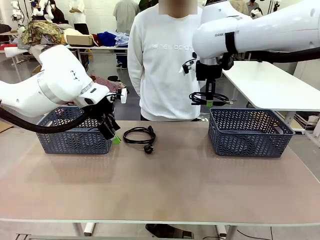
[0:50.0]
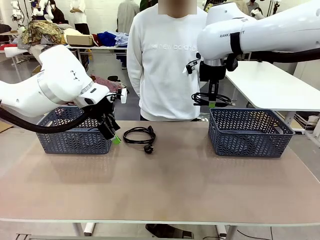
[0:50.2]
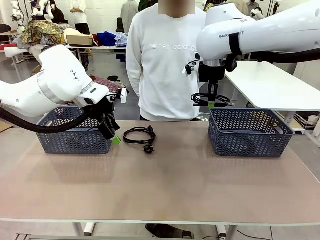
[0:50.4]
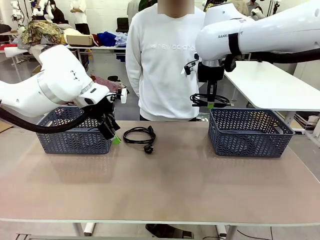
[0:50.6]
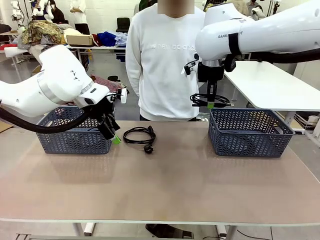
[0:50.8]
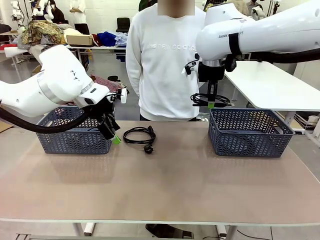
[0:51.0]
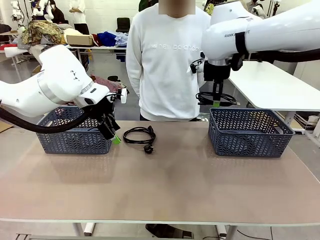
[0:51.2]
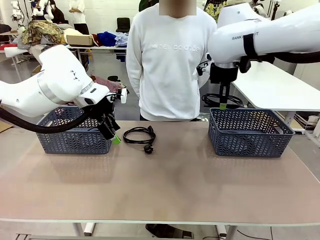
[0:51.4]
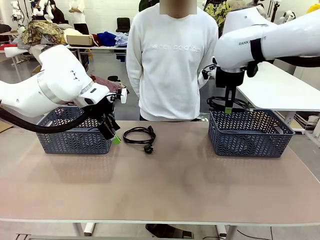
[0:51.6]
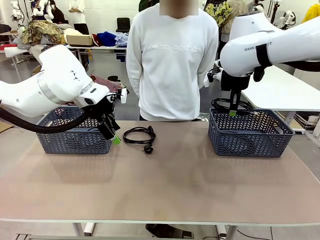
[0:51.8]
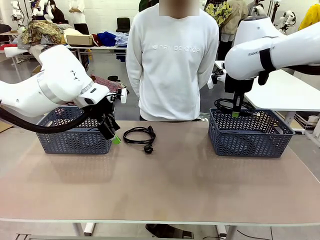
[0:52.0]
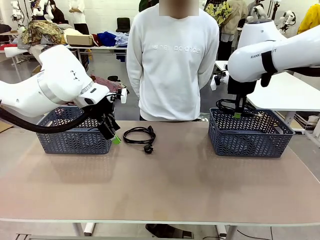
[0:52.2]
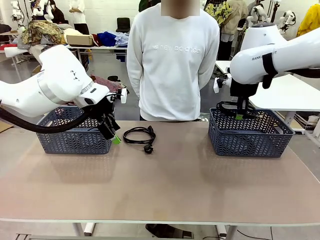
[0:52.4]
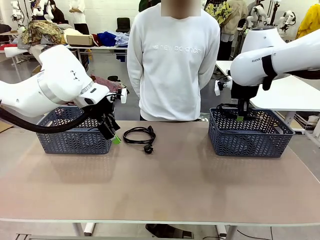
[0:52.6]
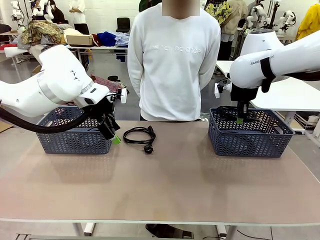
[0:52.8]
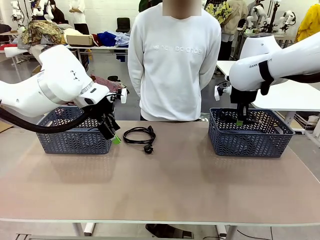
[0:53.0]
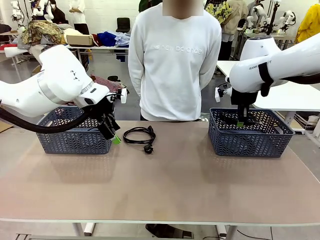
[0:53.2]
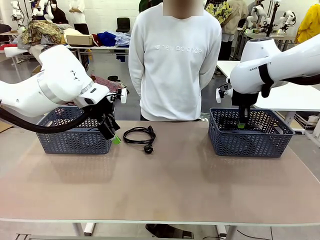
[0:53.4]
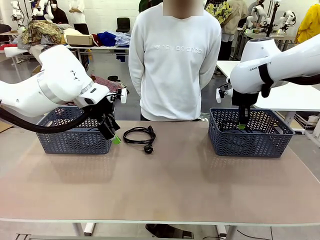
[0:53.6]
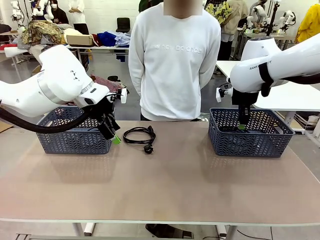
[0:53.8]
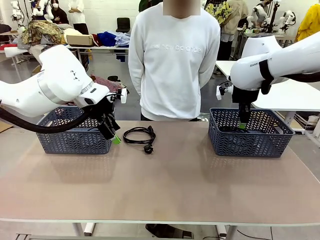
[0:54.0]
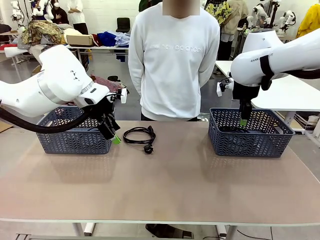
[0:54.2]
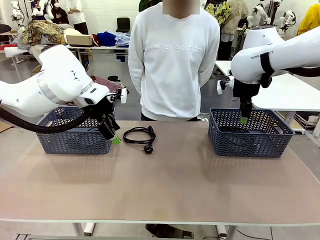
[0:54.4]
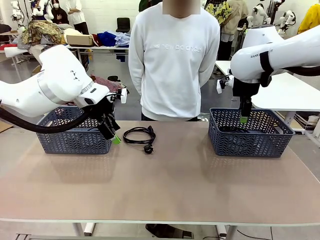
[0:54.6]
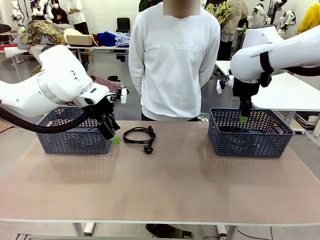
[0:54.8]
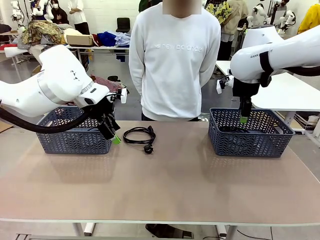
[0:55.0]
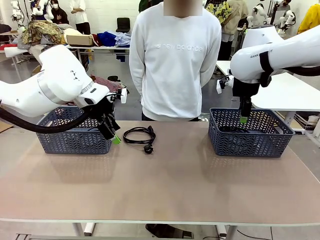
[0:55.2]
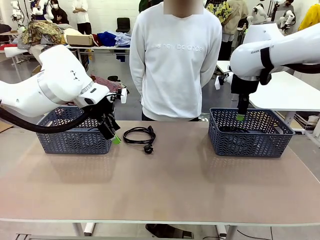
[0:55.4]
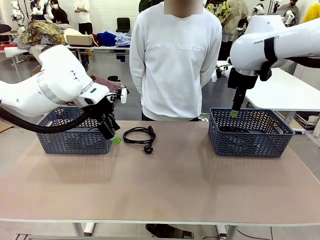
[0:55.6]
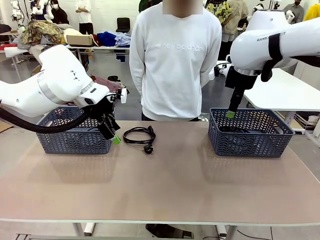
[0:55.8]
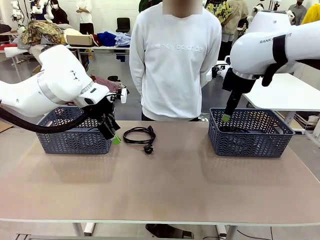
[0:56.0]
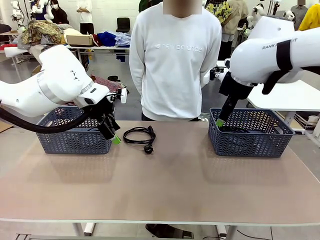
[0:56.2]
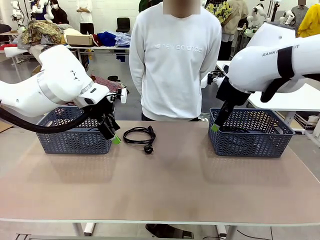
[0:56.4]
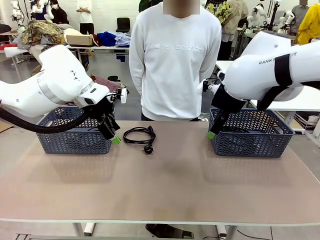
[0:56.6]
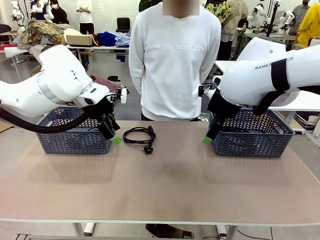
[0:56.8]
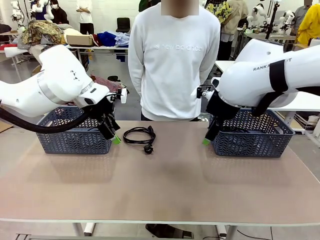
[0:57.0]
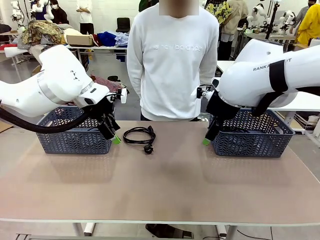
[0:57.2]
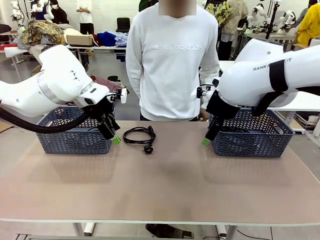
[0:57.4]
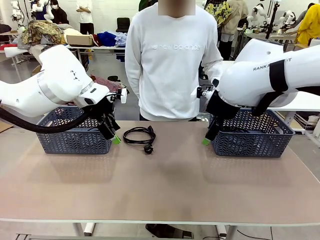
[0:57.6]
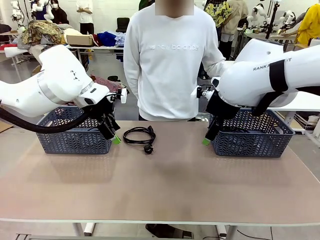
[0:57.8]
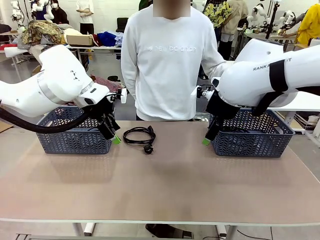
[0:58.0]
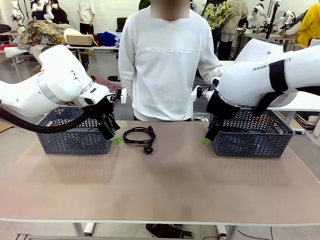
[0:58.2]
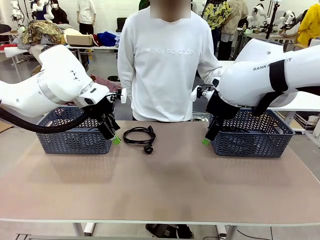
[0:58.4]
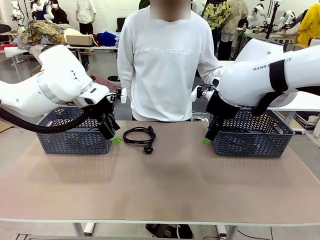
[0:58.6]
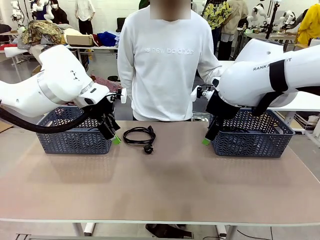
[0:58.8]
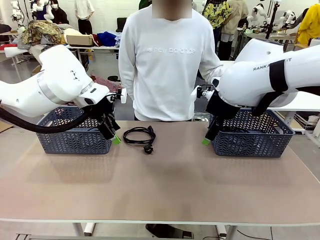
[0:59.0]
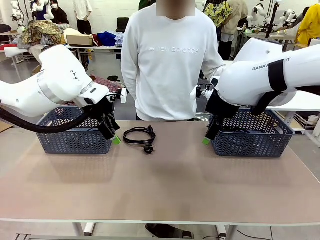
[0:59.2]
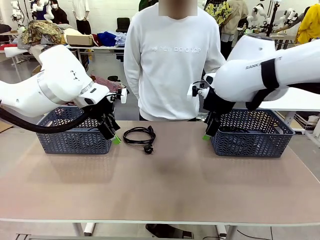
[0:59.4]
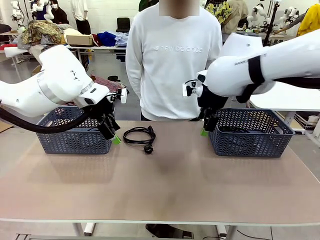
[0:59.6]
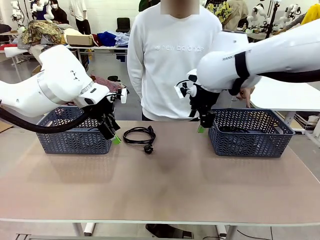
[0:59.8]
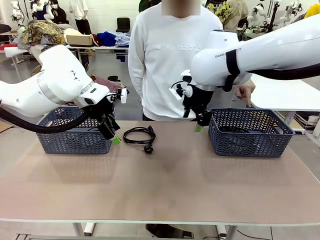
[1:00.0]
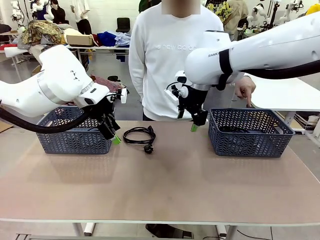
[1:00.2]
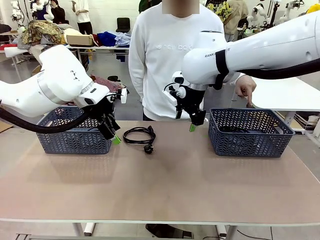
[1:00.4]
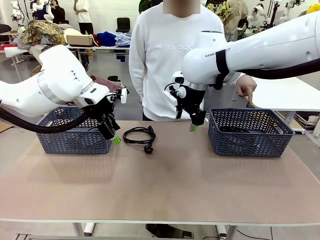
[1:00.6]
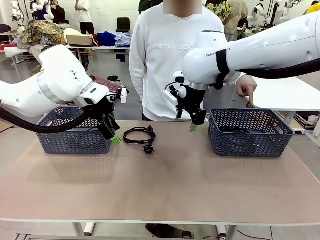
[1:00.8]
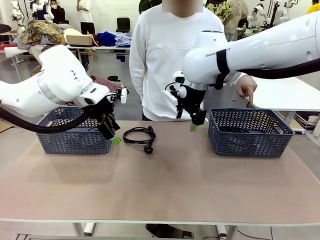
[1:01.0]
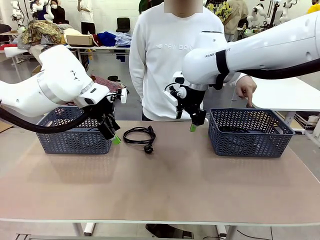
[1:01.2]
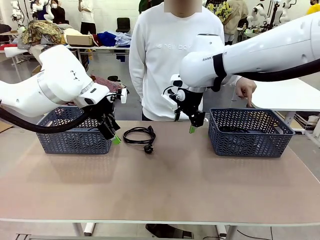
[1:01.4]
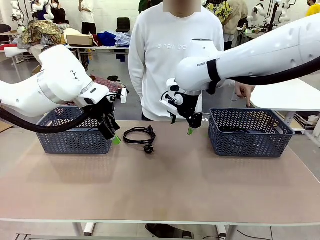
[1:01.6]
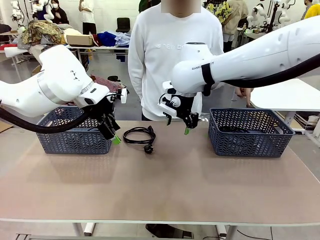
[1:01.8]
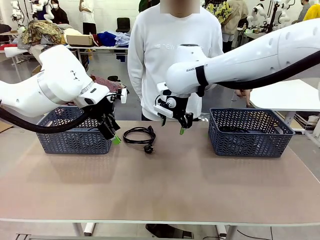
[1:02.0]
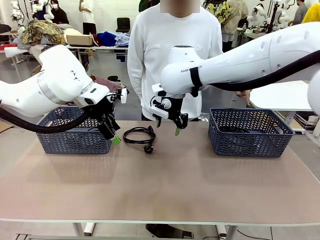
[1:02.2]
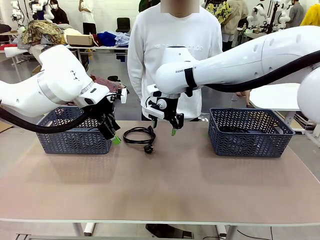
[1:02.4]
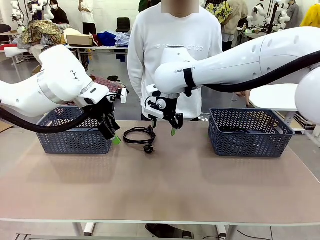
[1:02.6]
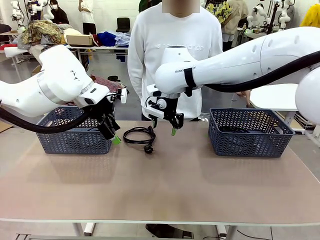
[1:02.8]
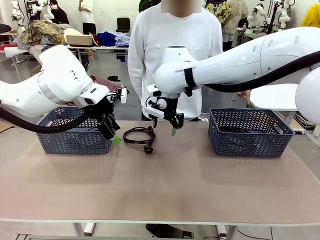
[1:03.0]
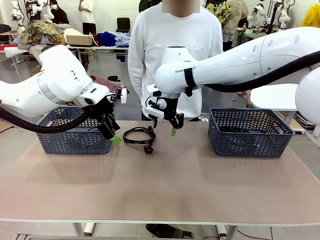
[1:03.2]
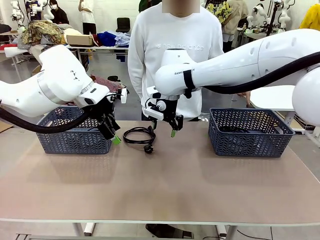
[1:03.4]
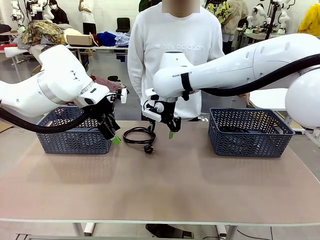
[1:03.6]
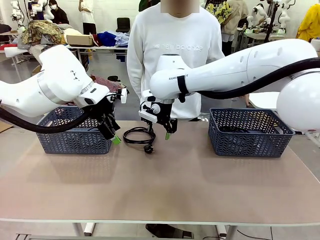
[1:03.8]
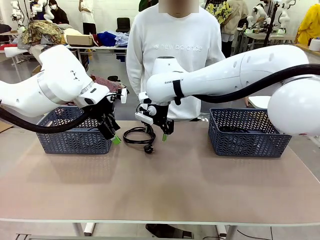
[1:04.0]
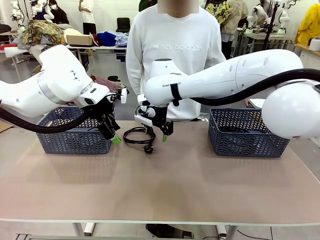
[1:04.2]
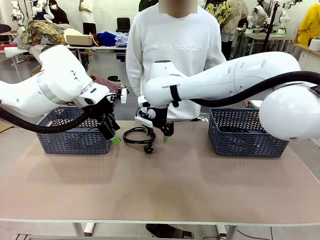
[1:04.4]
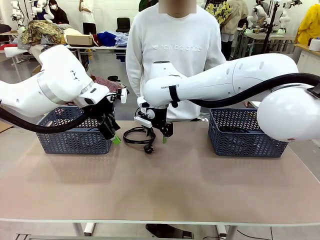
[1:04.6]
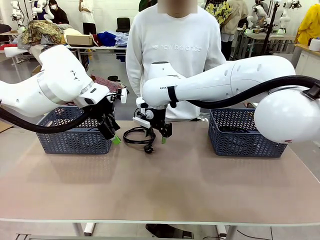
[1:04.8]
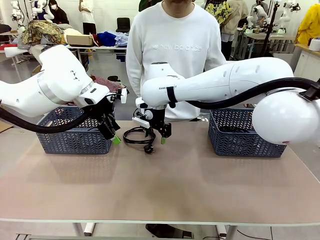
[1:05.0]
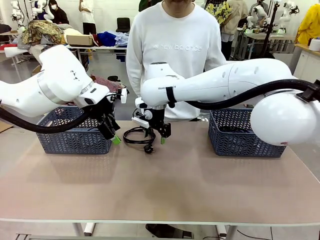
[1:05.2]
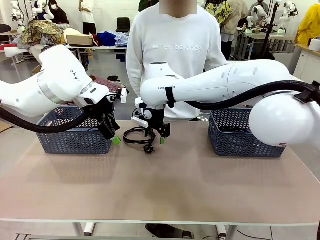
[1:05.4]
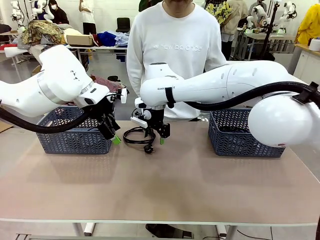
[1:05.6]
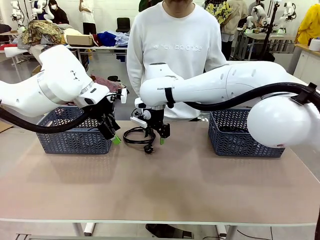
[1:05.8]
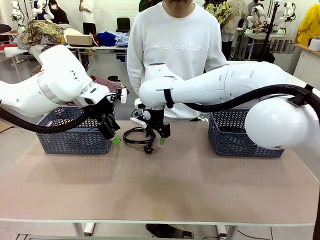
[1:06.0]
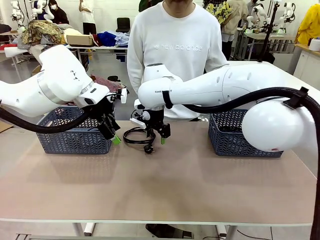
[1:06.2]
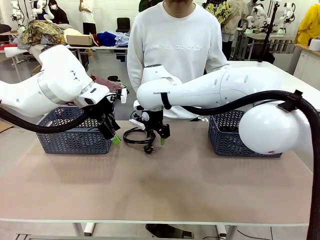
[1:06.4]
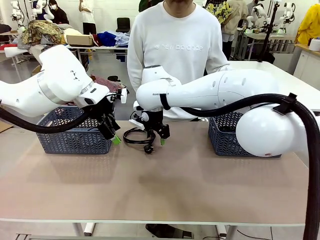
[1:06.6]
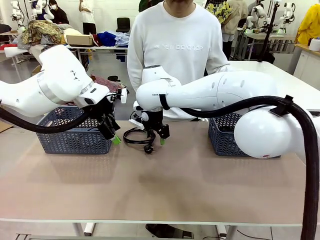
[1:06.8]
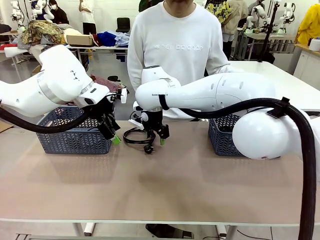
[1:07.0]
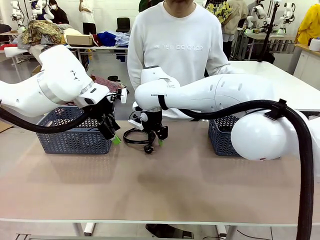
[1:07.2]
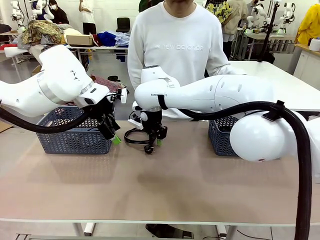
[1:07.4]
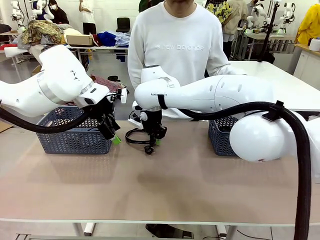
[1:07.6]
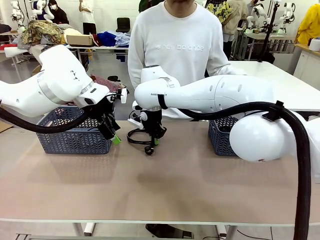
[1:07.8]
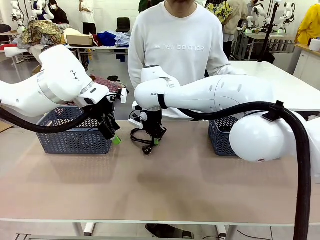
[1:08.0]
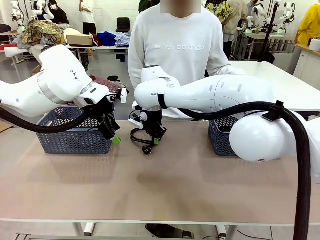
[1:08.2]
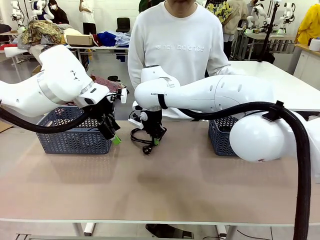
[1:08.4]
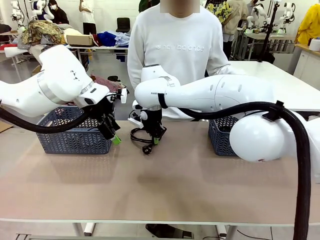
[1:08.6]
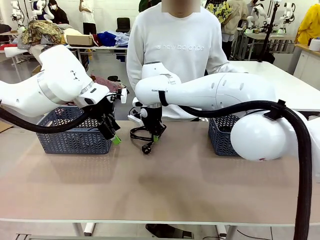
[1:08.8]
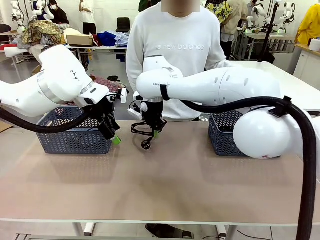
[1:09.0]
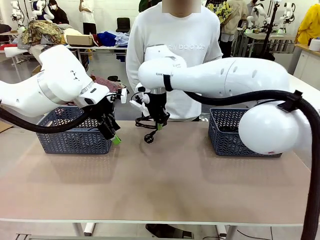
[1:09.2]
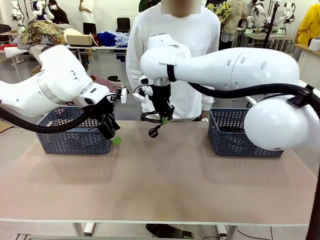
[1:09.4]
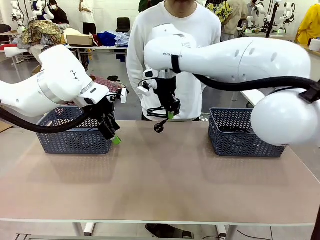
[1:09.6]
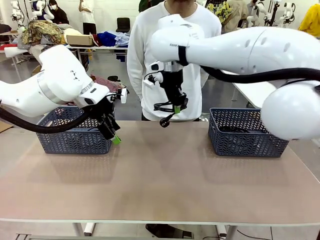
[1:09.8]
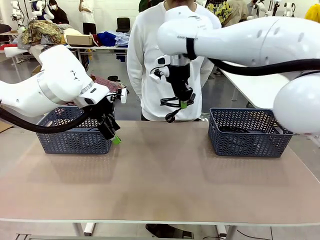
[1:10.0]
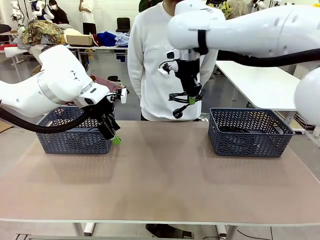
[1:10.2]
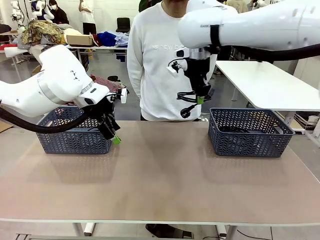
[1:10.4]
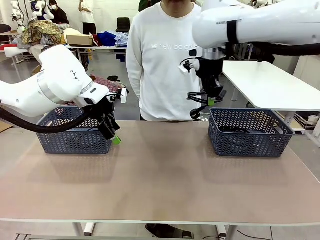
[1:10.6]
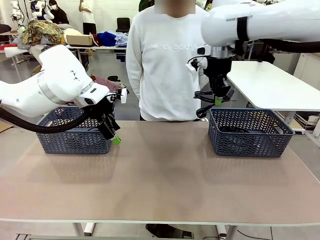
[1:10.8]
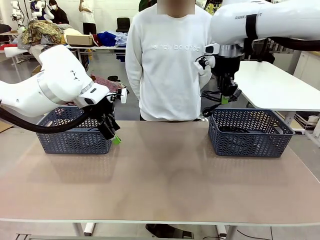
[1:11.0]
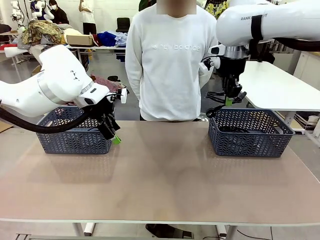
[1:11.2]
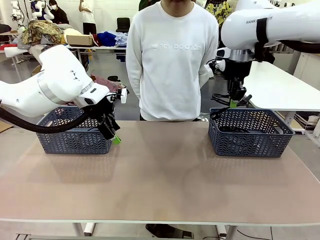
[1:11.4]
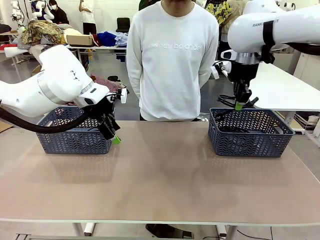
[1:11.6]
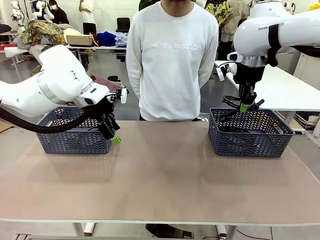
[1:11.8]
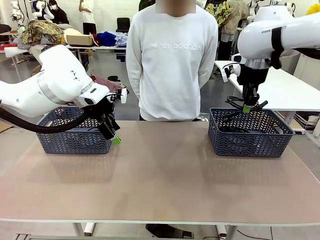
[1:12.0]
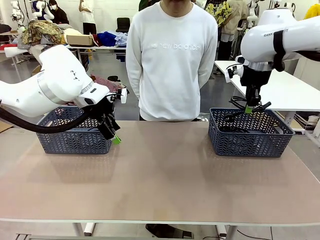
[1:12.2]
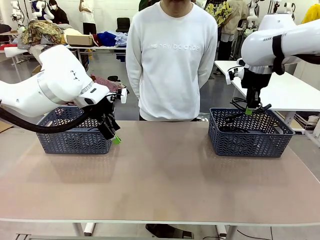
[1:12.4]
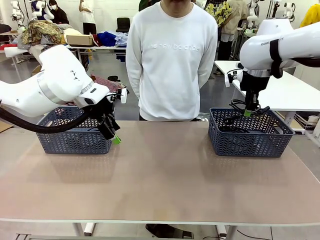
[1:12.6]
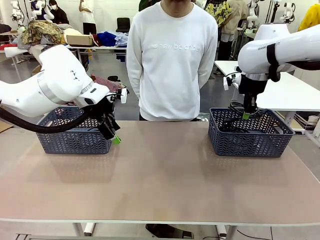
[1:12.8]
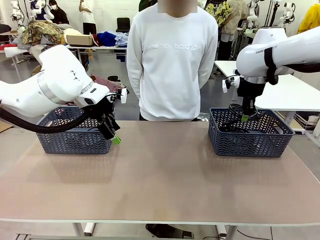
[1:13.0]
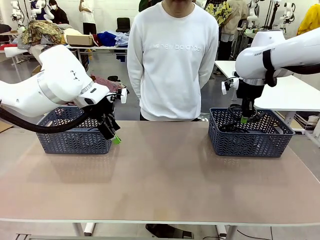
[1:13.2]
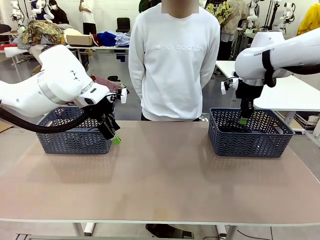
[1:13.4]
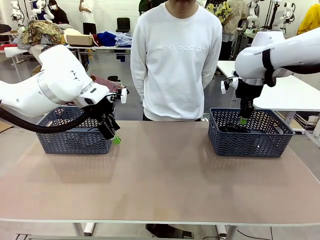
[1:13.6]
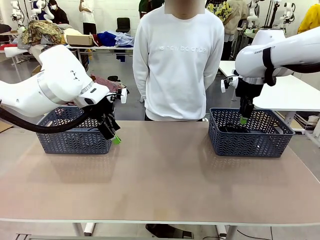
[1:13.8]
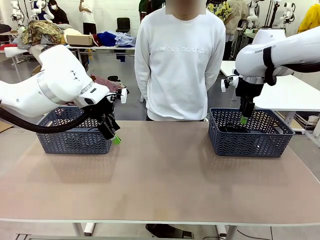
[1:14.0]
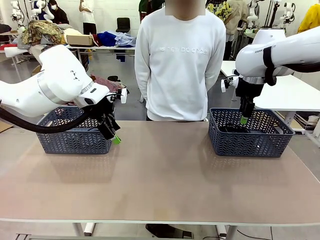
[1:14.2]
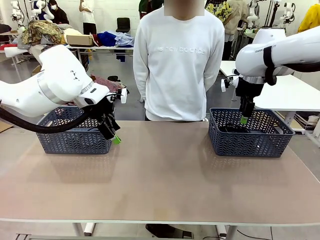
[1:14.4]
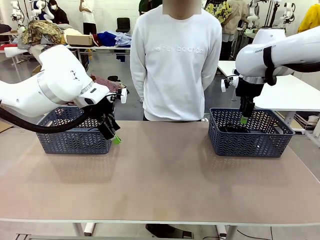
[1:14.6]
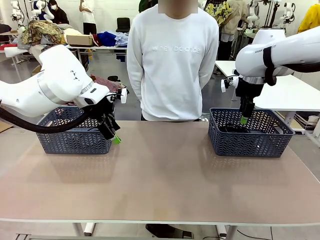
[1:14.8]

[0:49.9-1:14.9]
Task: Organize the cables according to human instructions.
Robot: Pick up a bundle of cables and place it in the basket indicated by the human.
